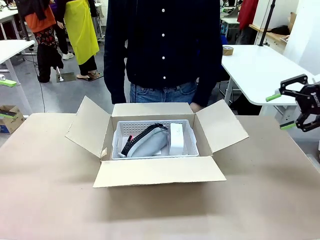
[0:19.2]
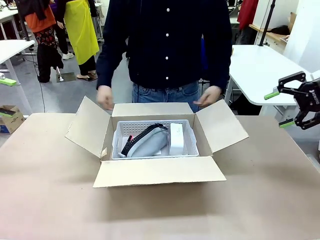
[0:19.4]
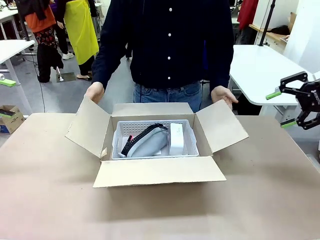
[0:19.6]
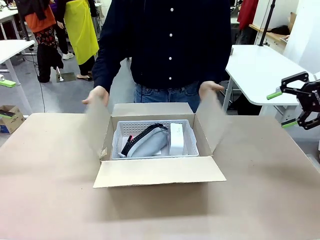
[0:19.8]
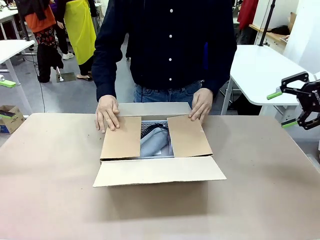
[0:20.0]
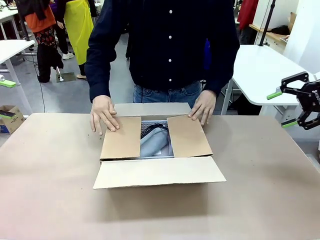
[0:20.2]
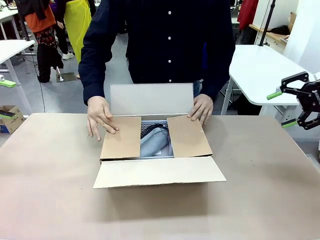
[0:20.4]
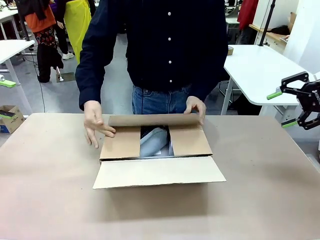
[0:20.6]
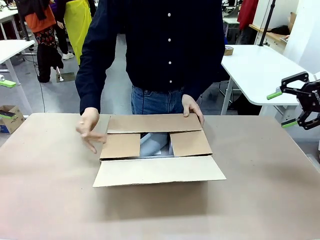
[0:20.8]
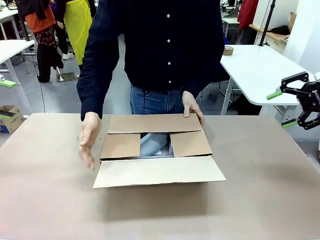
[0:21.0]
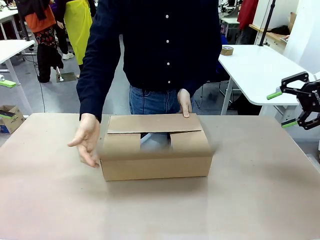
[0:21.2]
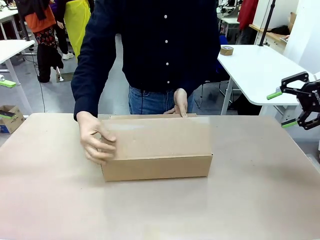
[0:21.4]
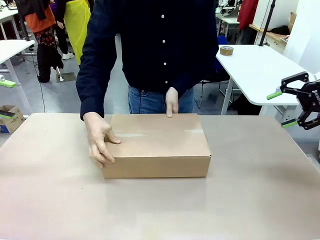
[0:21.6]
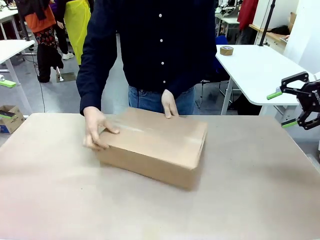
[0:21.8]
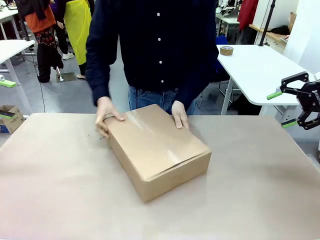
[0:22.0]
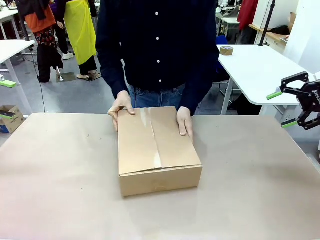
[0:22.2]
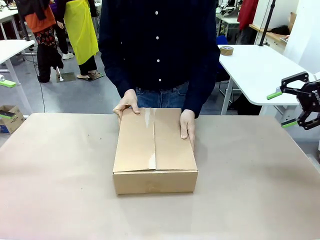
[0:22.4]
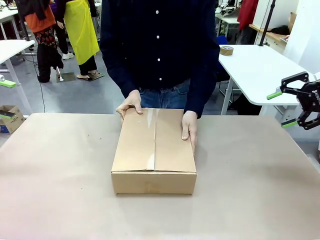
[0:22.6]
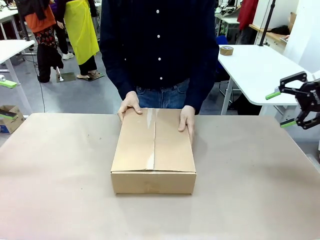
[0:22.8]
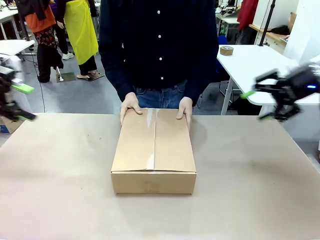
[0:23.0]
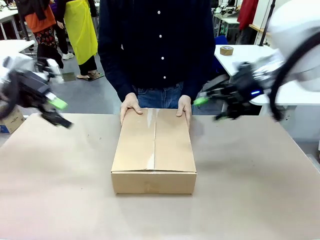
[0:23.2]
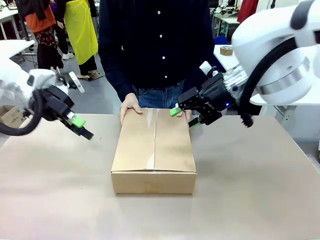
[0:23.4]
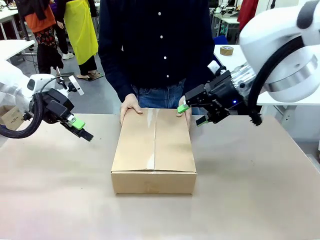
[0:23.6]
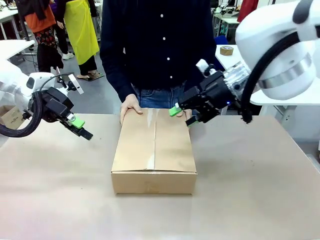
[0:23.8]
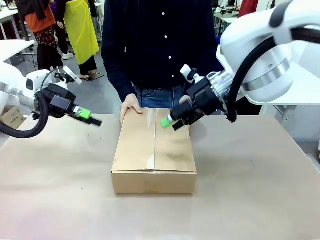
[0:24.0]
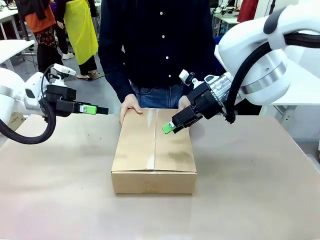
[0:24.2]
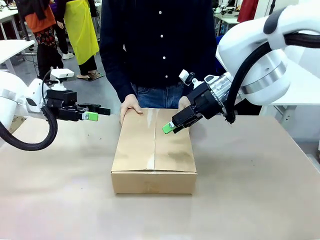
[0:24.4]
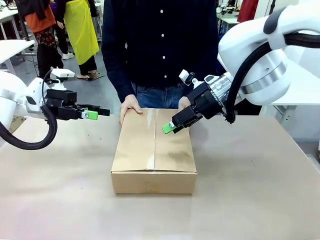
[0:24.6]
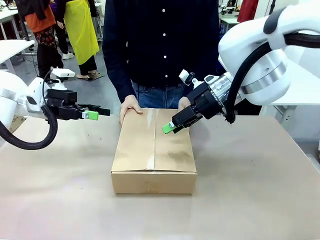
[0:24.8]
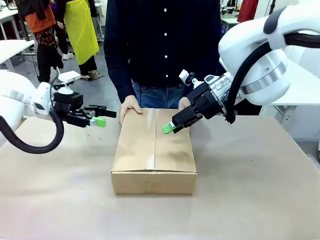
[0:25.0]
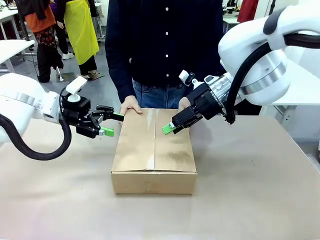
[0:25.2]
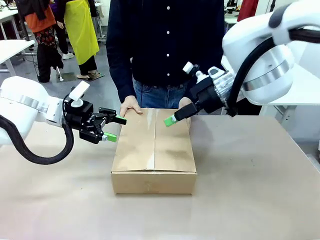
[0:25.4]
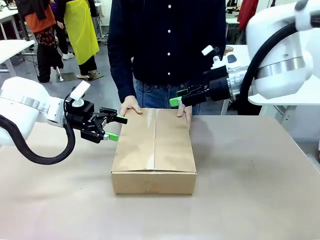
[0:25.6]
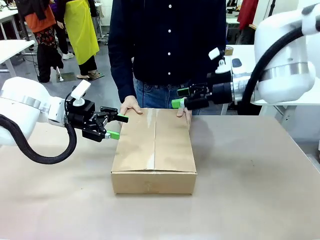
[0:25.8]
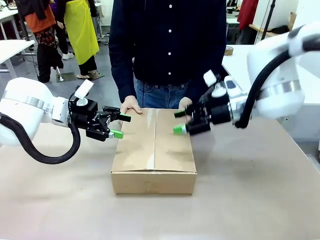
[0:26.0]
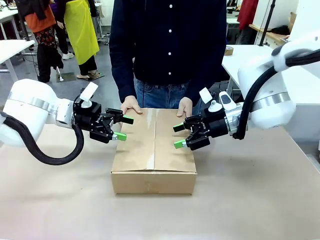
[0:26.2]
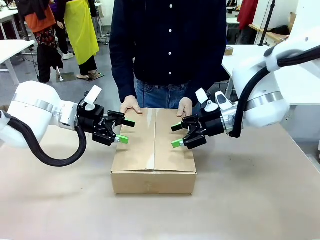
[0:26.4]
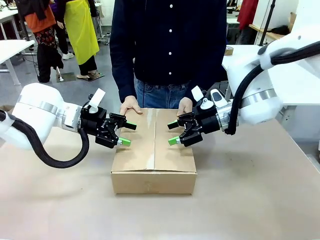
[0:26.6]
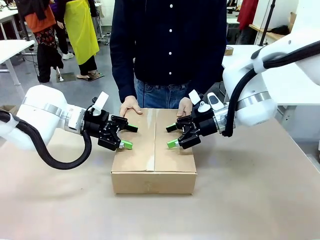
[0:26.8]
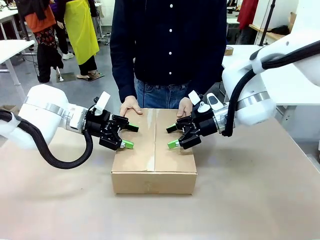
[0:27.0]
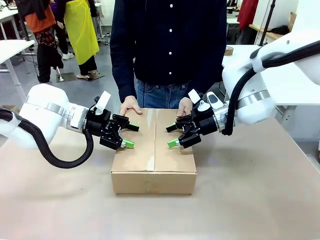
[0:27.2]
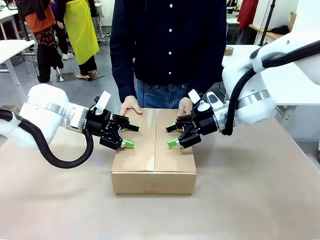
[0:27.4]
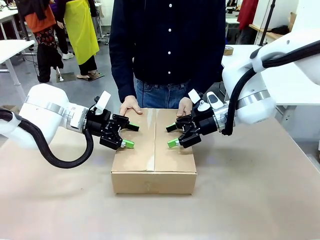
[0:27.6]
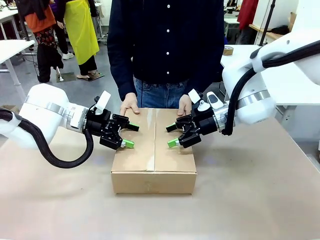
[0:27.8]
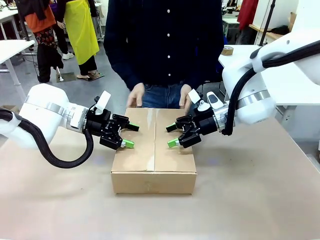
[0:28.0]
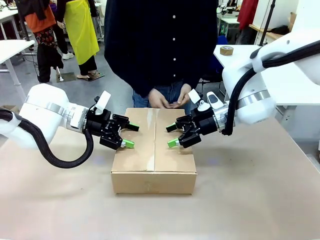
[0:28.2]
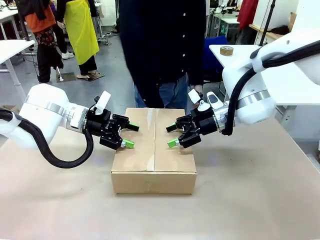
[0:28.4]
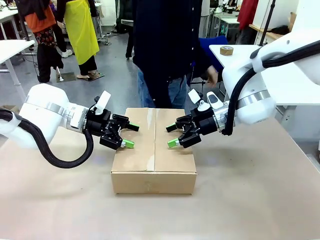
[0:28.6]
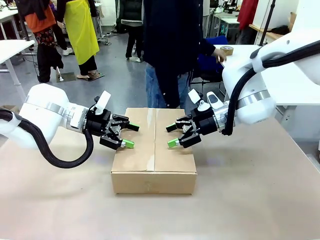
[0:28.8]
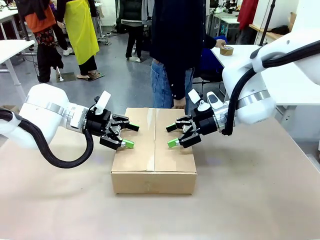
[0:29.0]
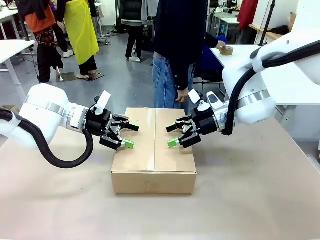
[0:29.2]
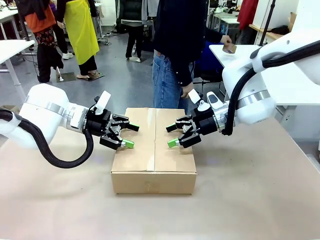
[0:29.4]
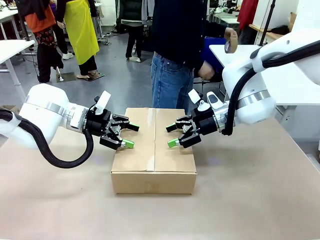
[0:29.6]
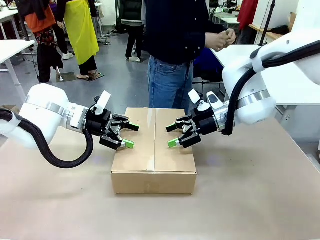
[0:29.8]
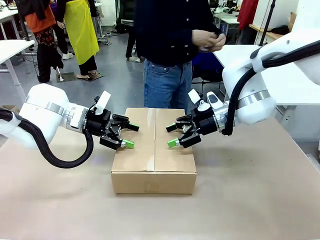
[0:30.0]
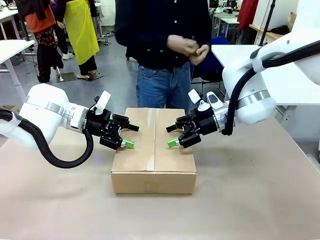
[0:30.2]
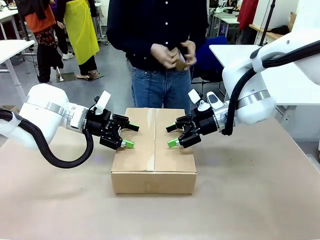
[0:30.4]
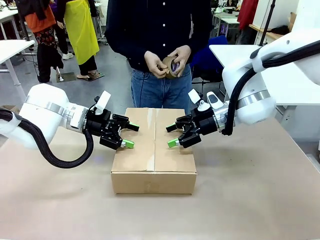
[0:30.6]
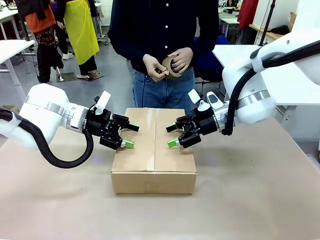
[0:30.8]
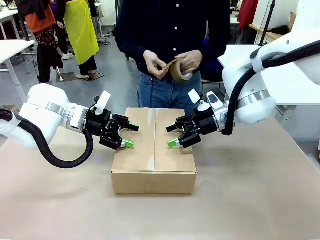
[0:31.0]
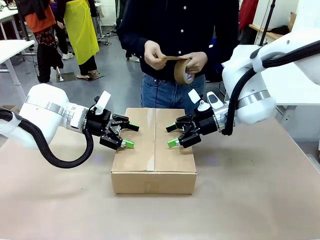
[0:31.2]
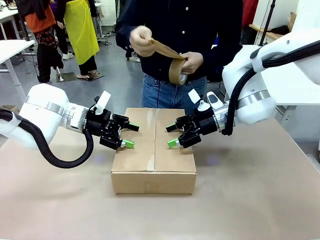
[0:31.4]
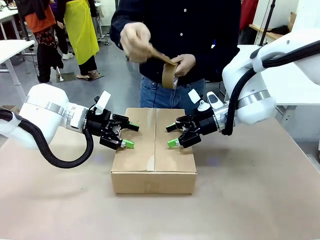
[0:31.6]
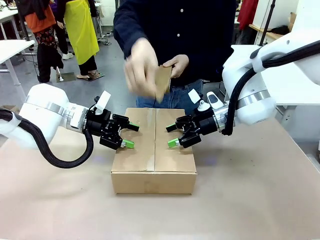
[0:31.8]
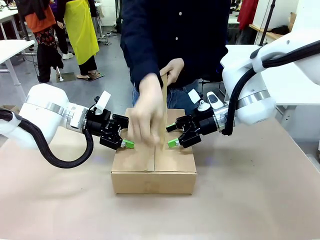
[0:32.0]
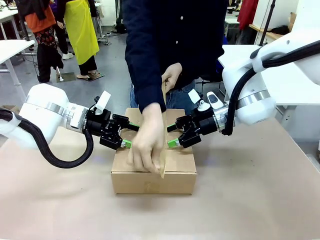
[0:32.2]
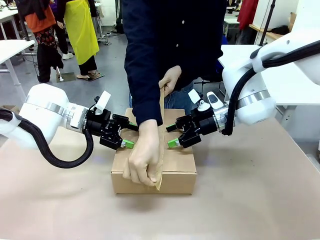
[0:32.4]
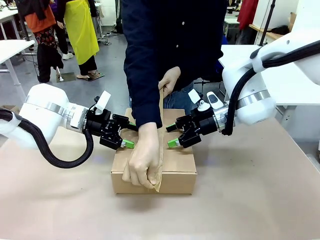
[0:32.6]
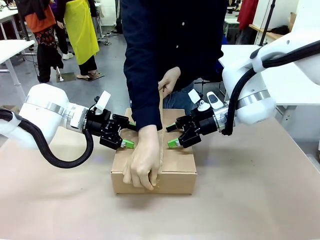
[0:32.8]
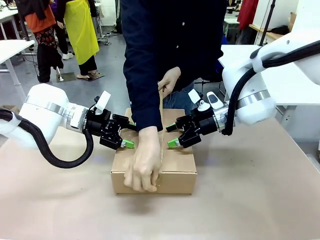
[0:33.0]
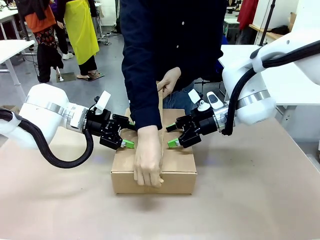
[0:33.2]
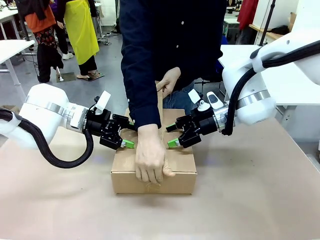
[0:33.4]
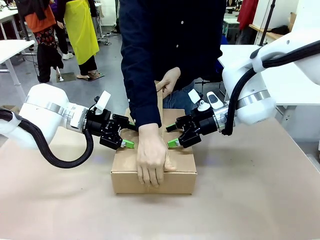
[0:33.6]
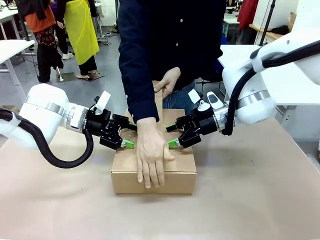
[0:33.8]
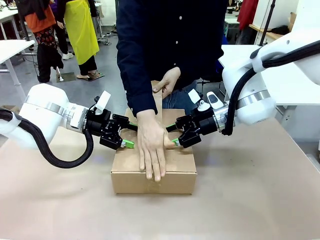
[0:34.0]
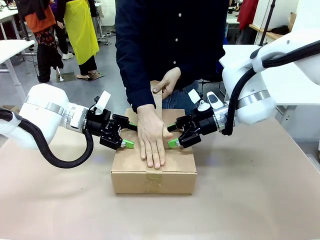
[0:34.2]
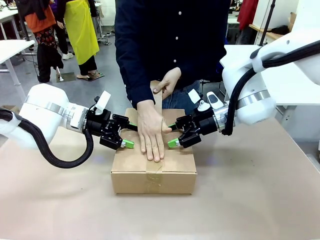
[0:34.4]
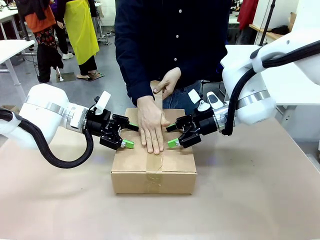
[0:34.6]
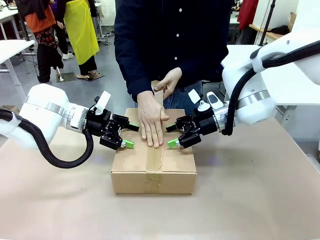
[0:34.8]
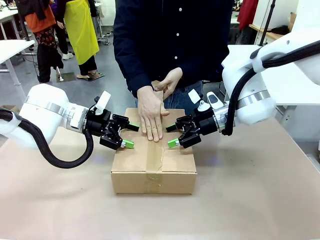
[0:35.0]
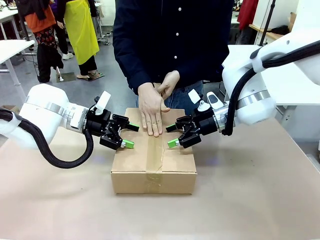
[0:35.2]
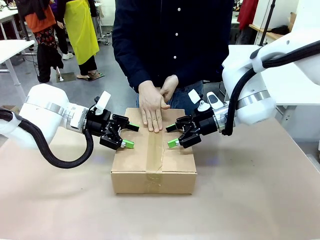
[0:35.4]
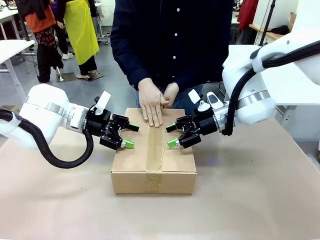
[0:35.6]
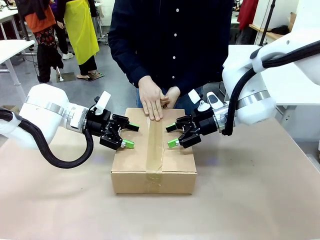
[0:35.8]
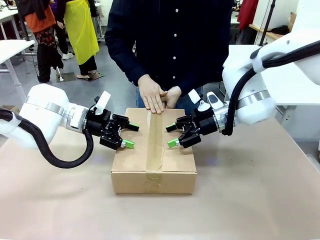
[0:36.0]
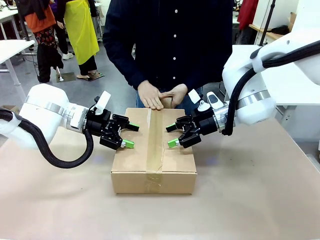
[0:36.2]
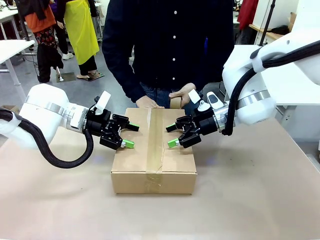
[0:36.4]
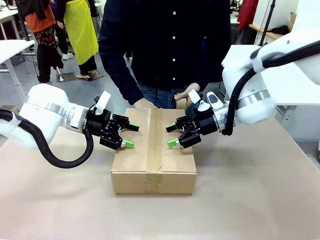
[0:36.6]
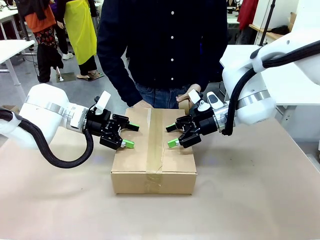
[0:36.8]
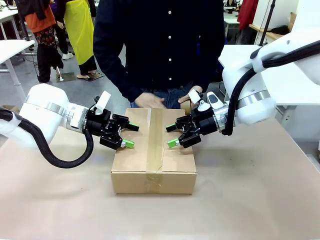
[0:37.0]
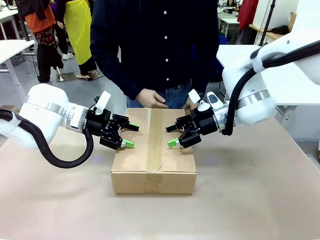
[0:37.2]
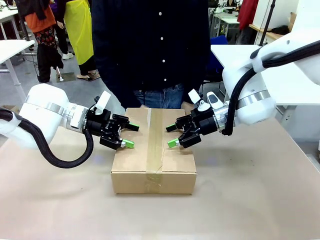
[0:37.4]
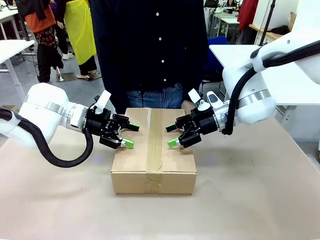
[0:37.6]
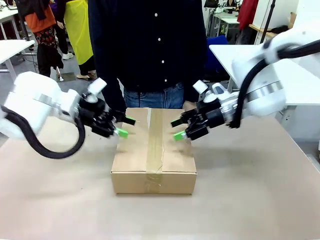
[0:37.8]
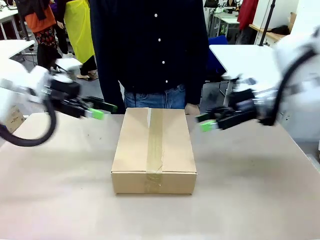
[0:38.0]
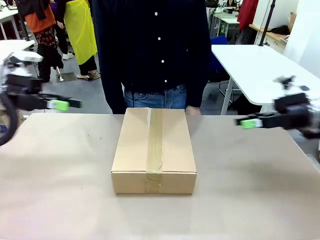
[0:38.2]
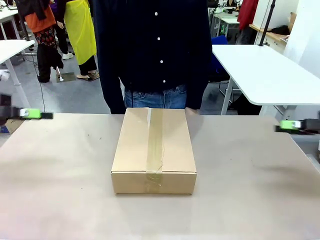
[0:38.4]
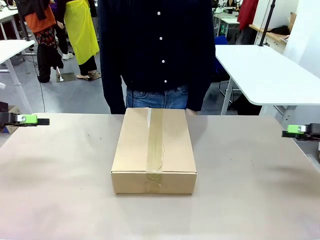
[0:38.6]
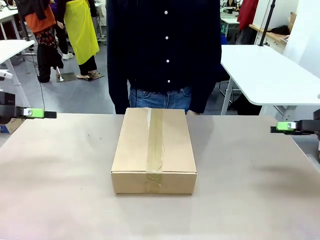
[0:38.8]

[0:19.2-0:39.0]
Task: Pack the gift set into the box.
Robot: Press and hold the closed box until the human finishes sealing it.
Person: The human closes the box and rotates the box by 90 degrees. The human picks up the paper tape from the human table and packs the box.
